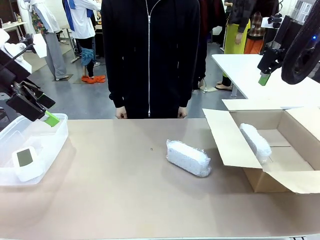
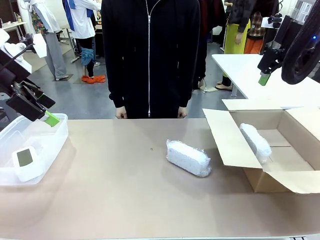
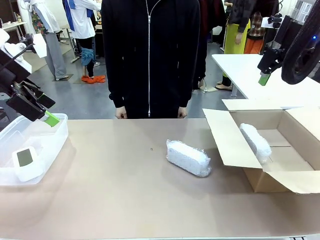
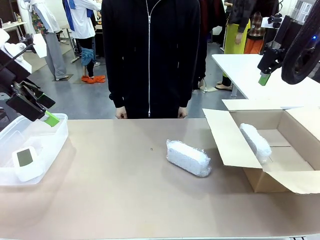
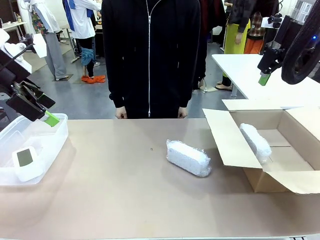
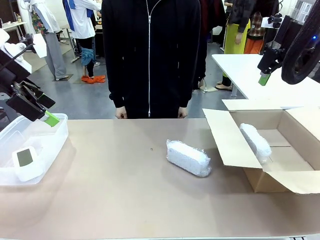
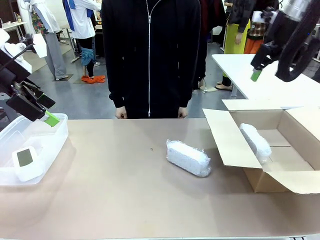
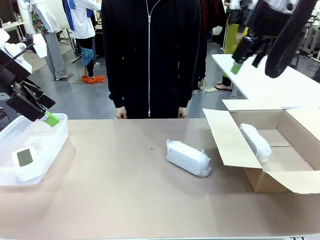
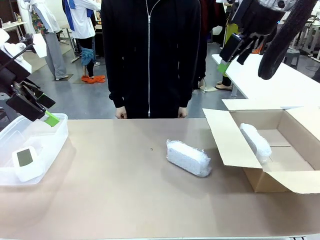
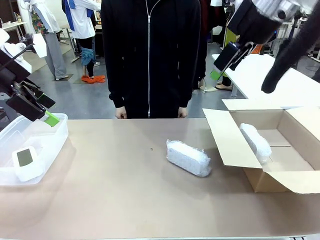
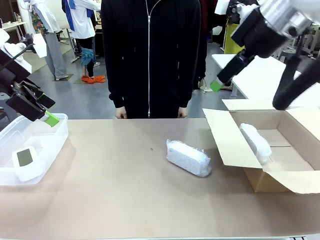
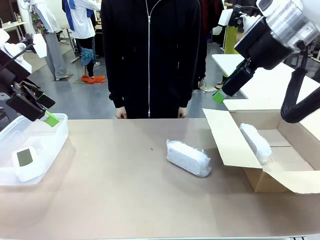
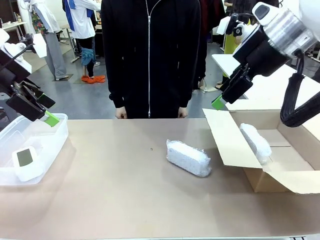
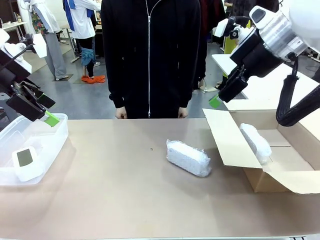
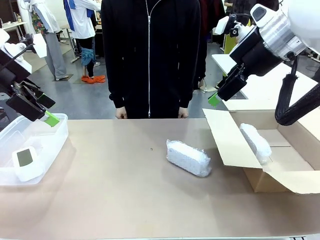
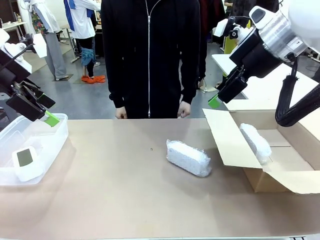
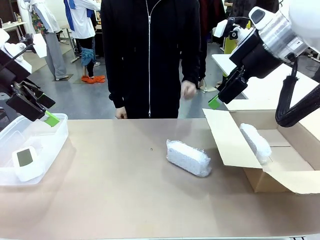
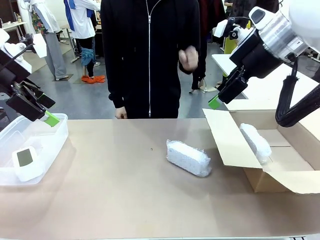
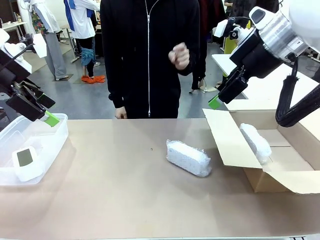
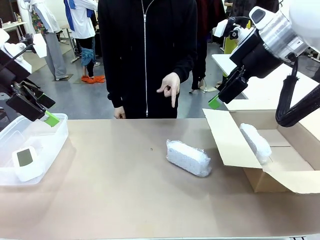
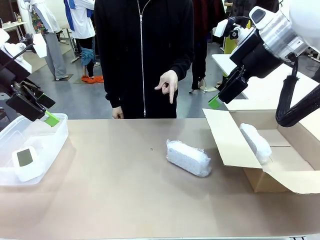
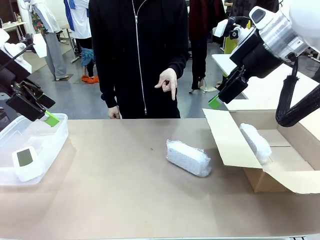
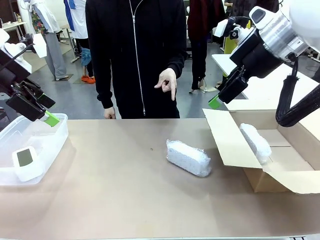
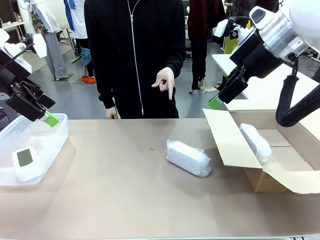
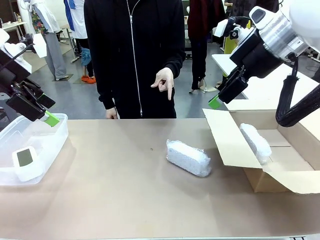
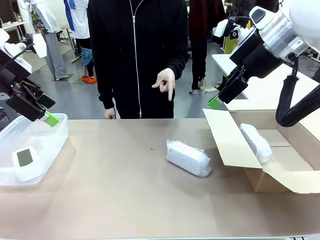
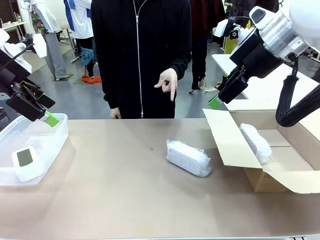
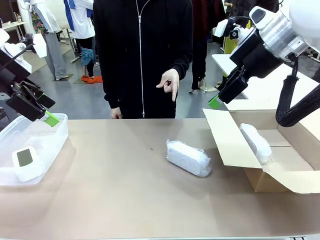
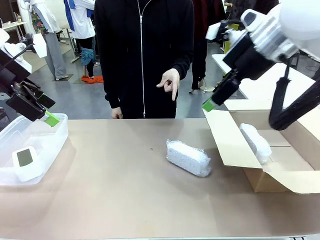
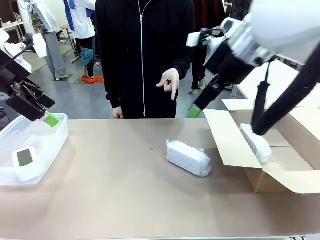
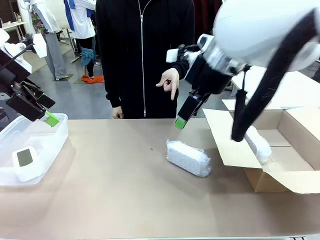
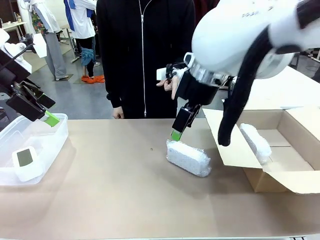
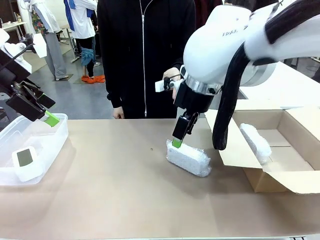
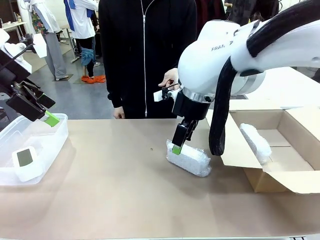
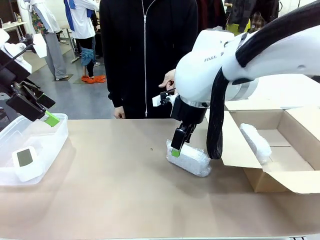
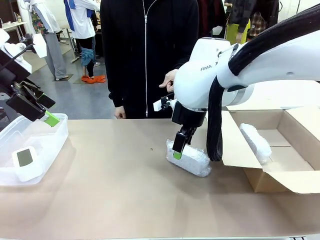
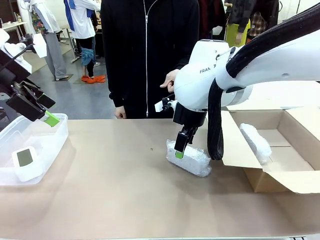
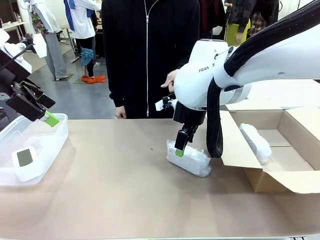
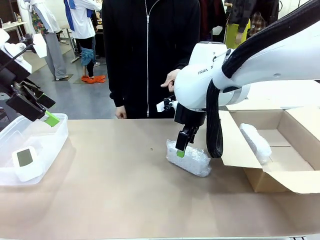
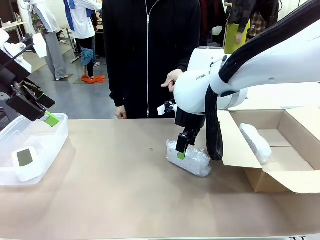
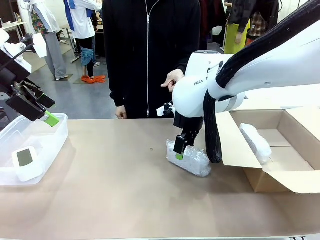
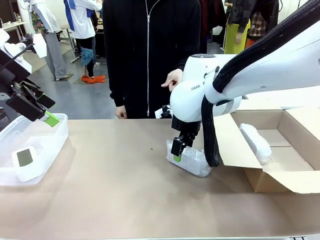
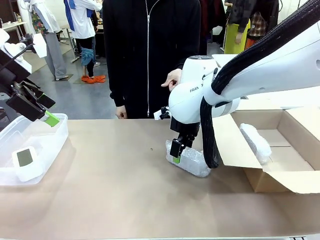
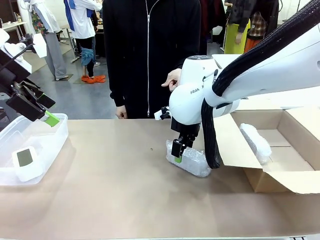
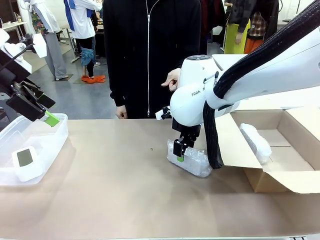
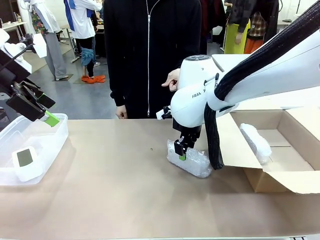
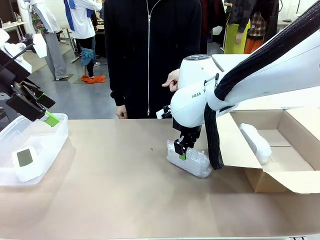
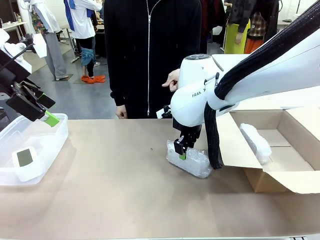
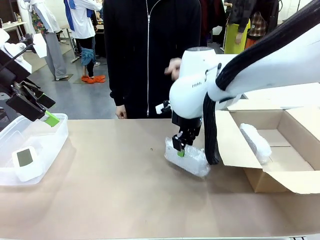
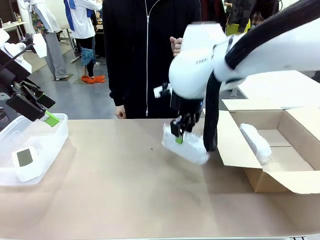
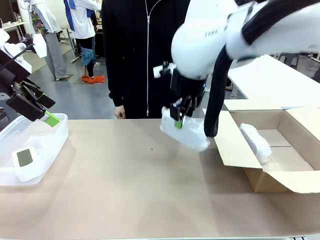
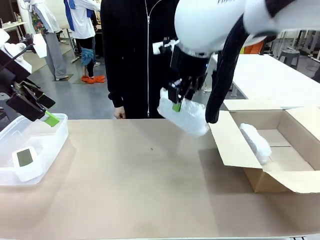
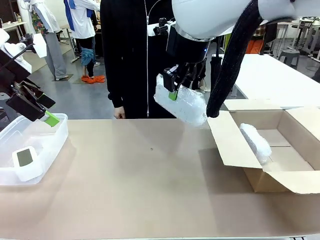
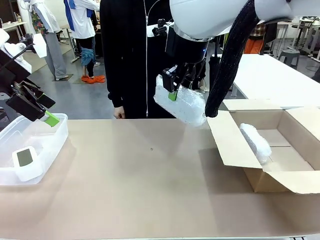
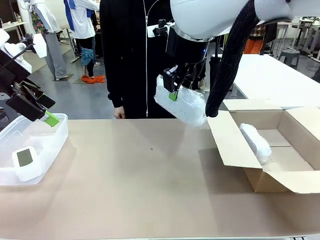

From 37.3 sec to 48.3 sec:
Task: Separate and place wrapped and unwrapped clocks.
Robot: Pick up the Digital clock indicated by the person.

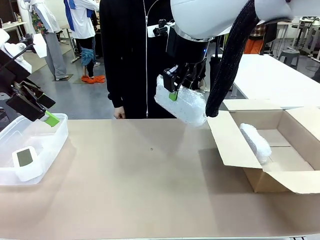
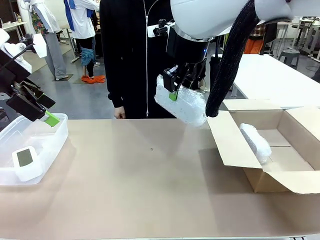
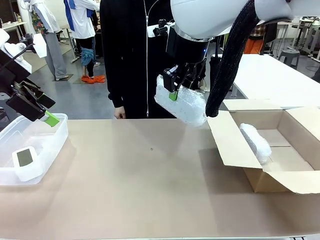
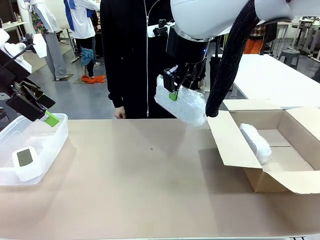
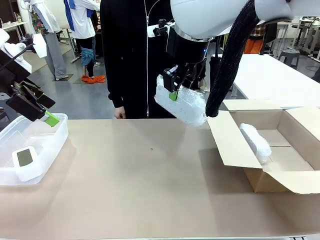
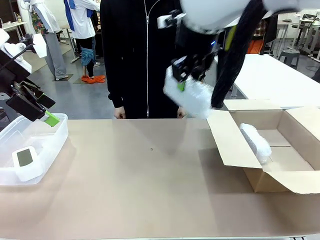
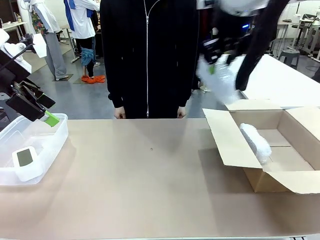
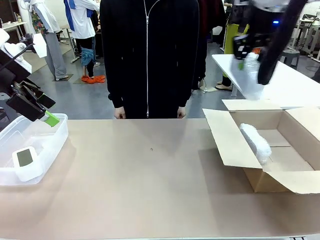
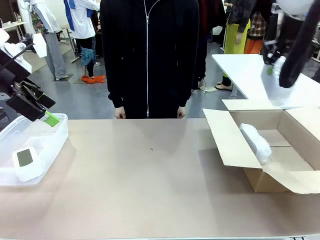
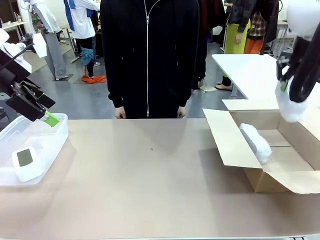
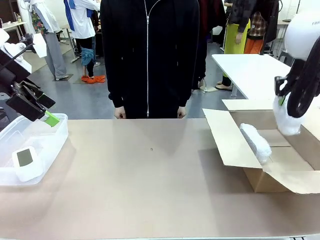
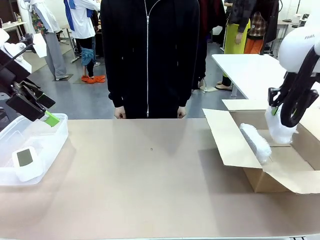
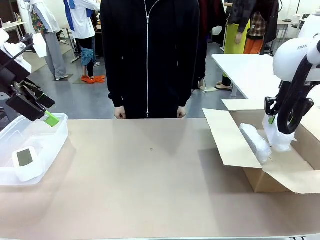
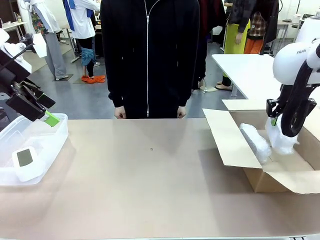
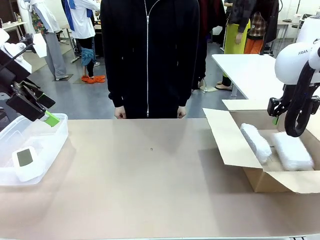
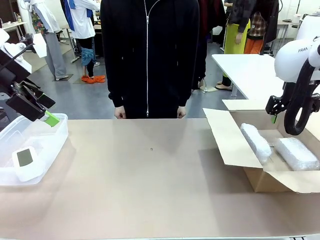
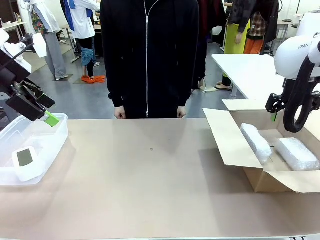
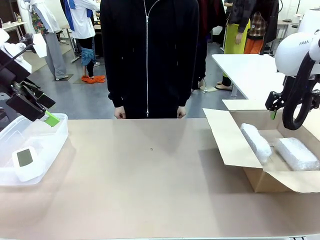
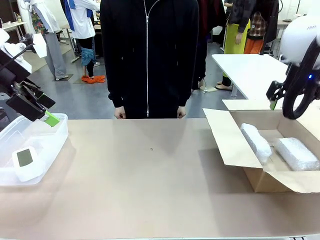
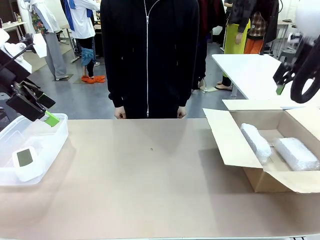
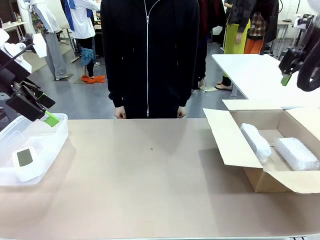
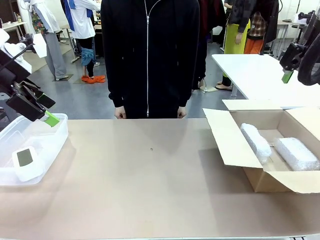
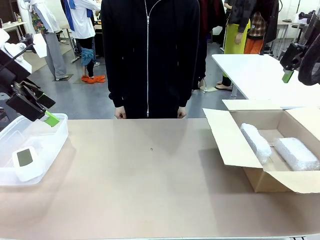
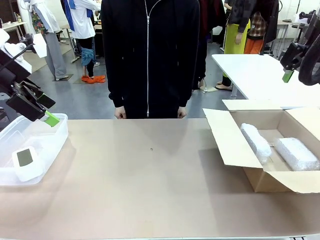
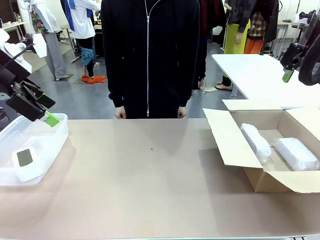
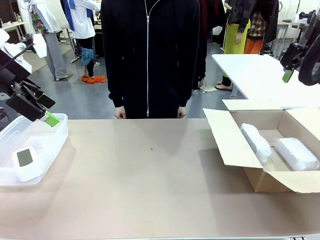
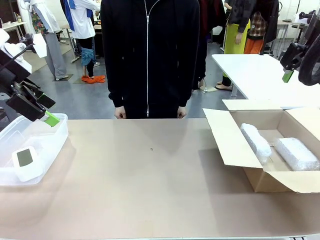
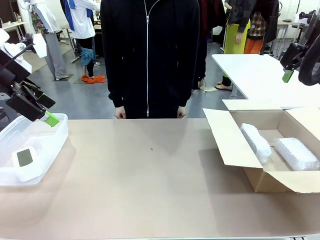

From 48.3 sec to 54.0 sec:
Robot: If the picked Digital clock is wrapped, place it in the Package Box ; if not, place it in the Organizing box.
